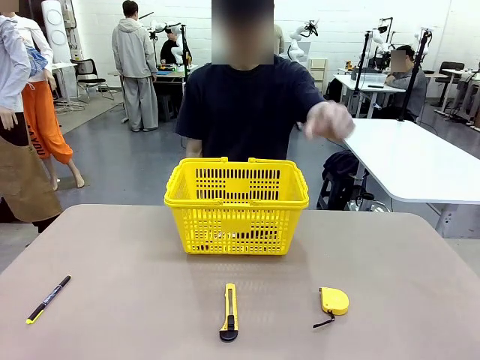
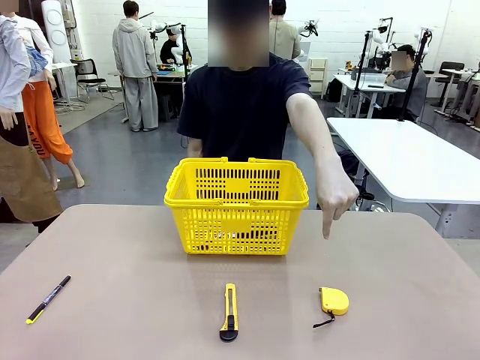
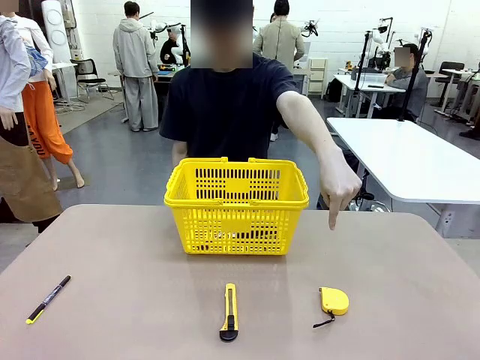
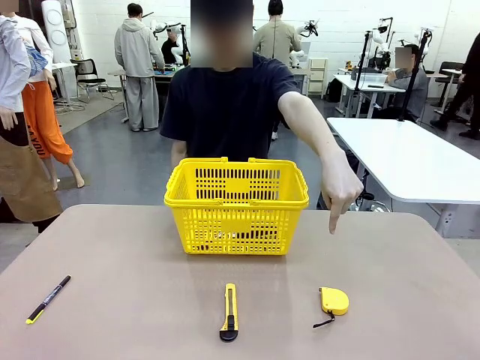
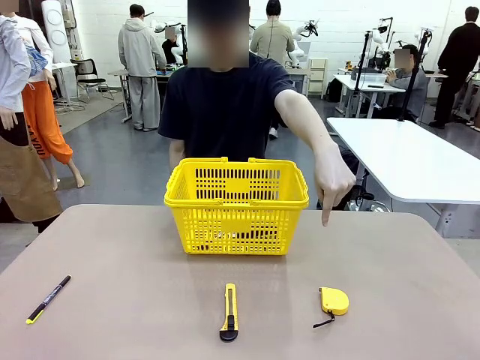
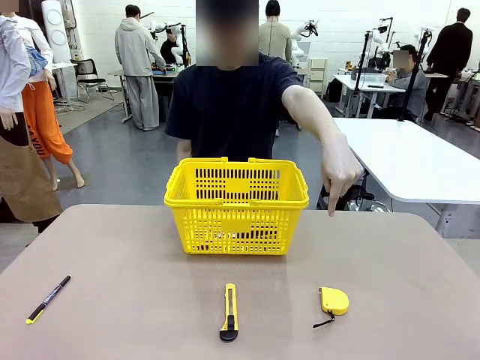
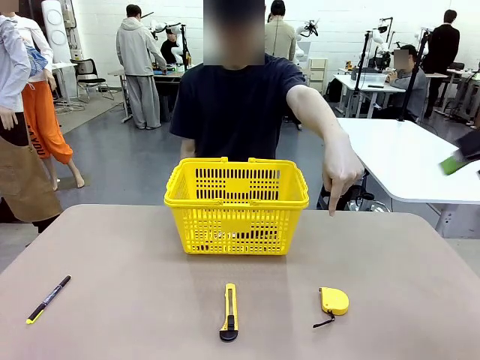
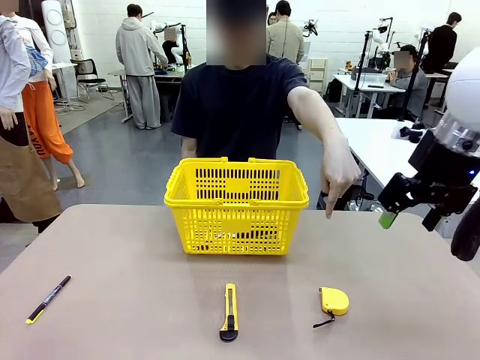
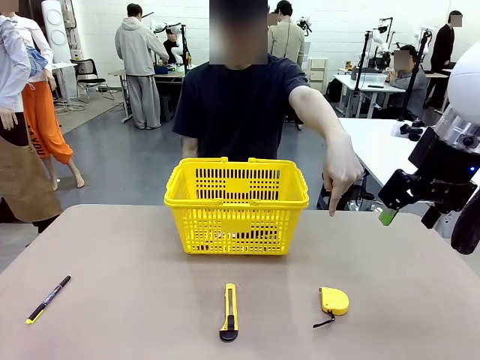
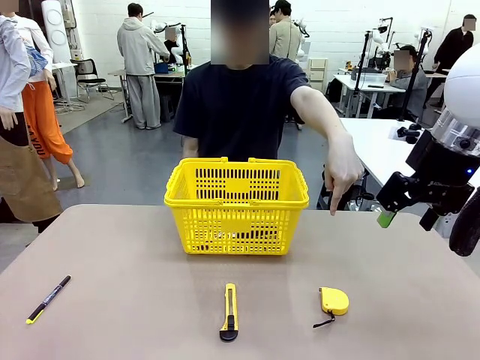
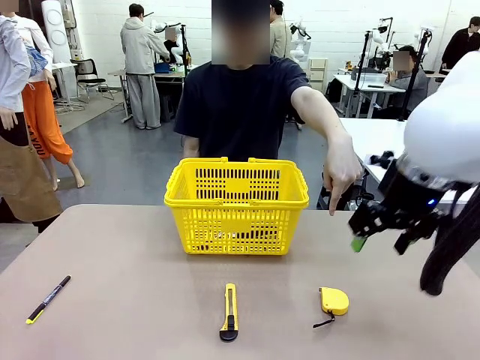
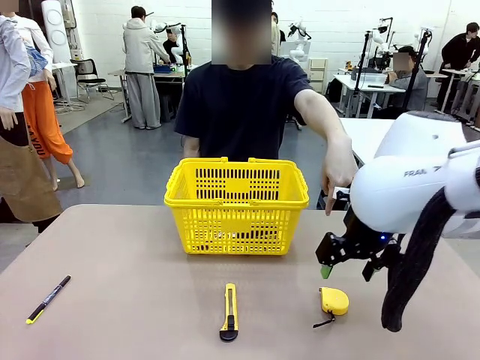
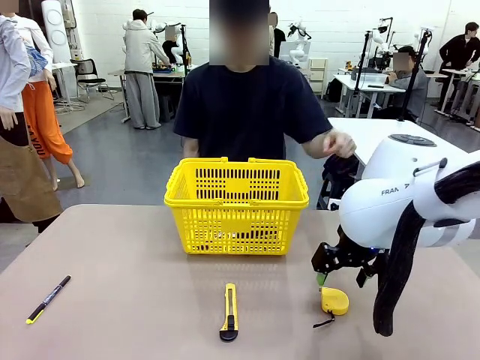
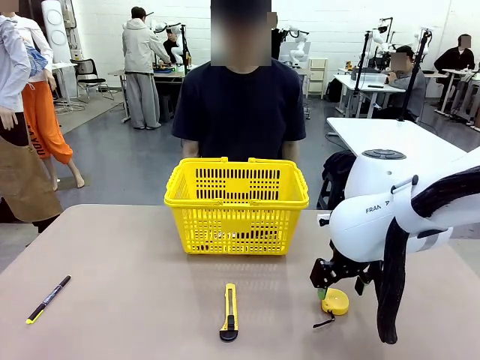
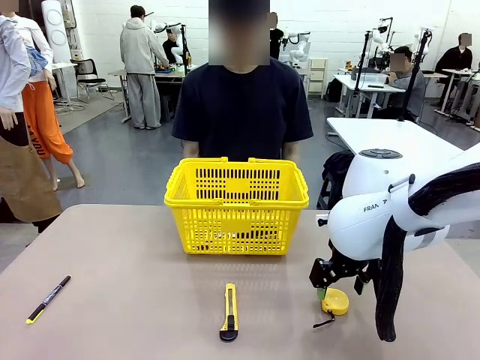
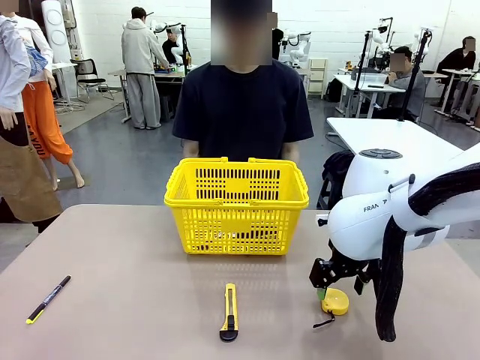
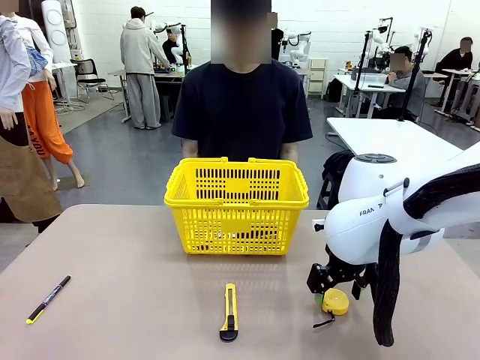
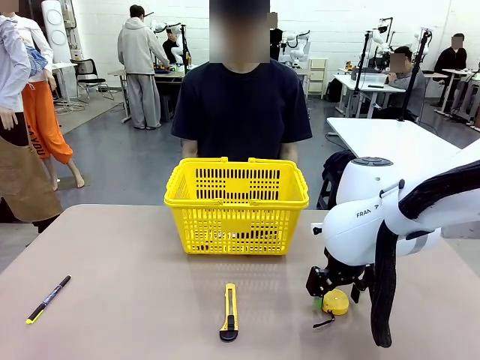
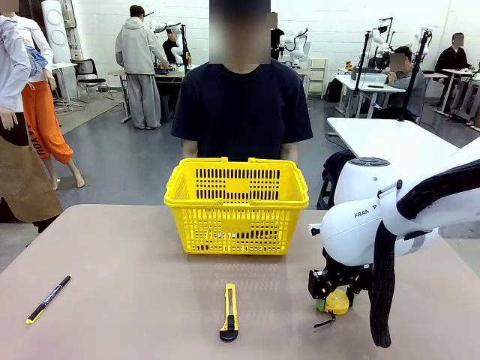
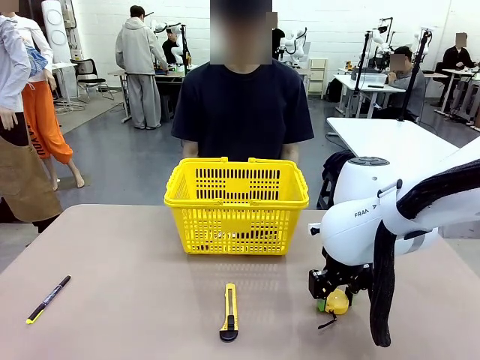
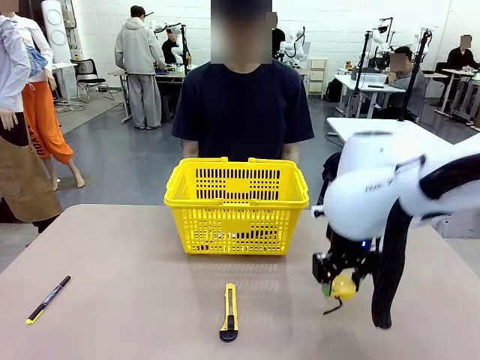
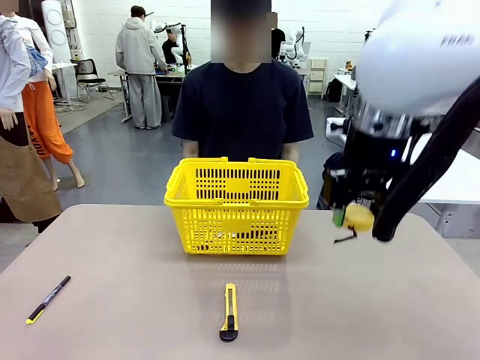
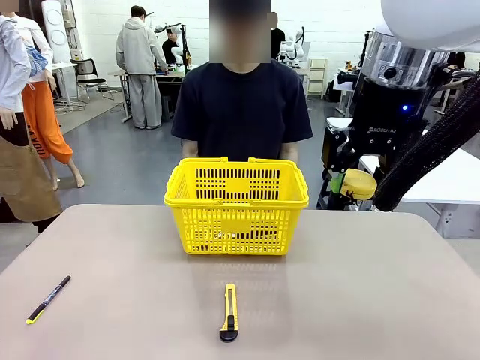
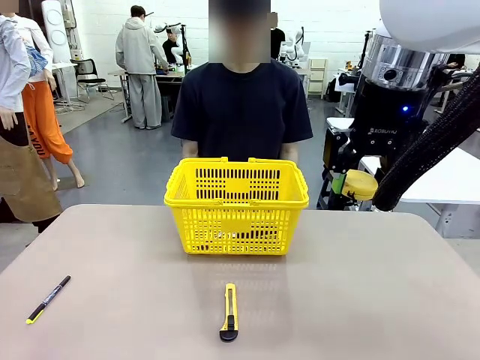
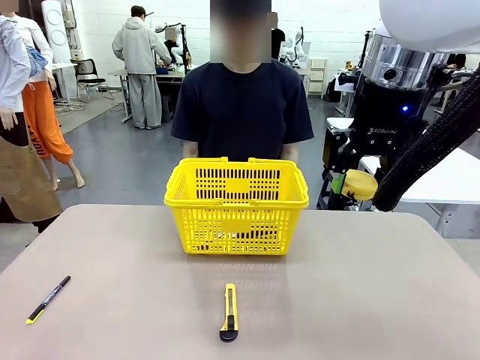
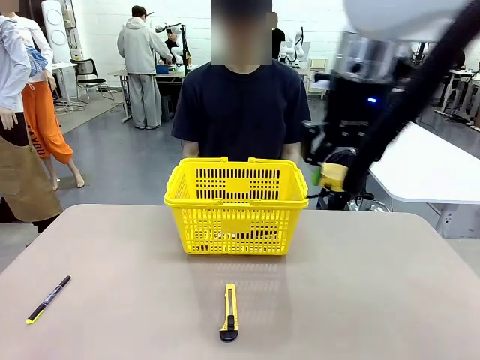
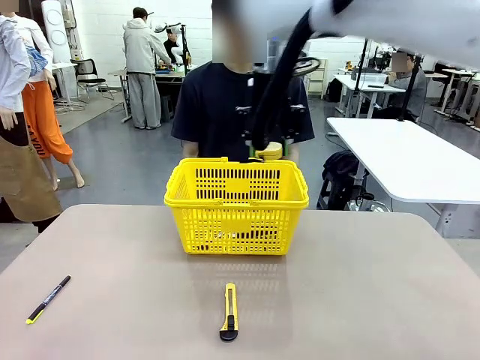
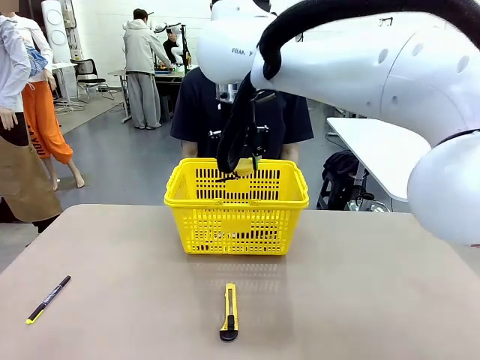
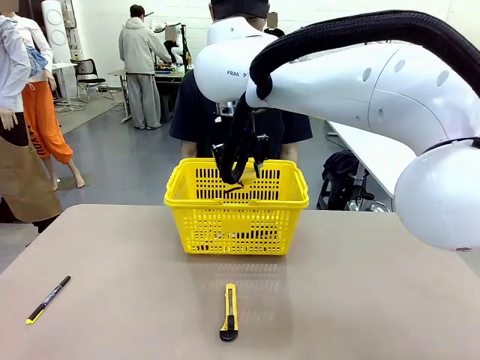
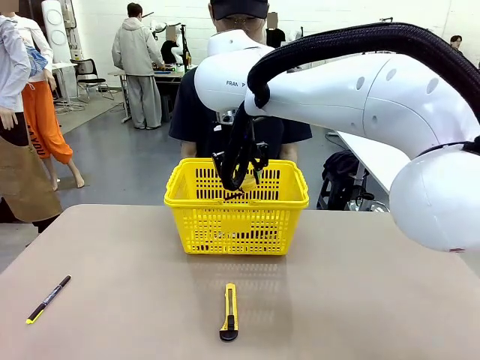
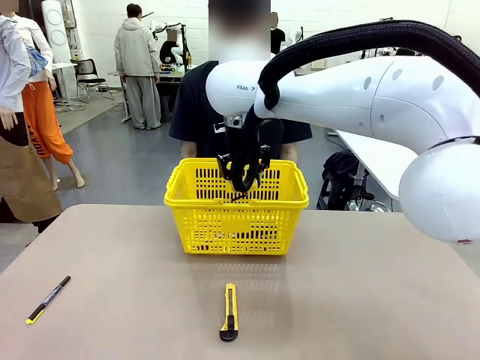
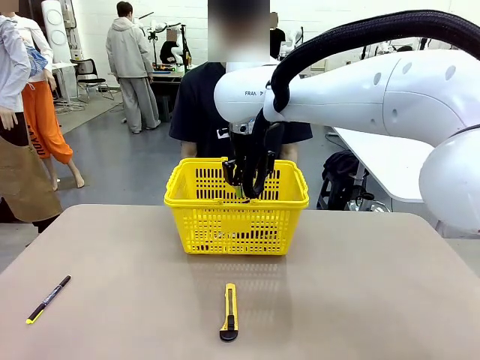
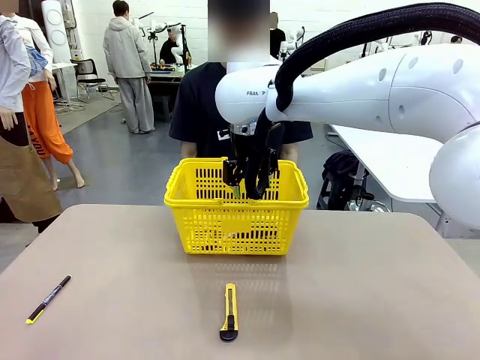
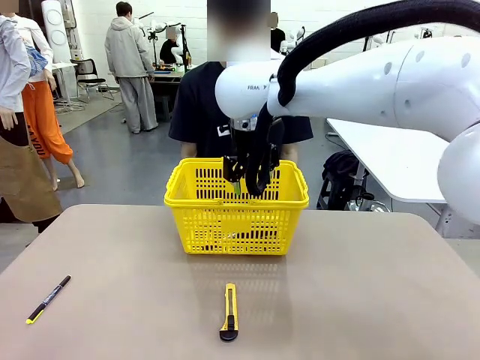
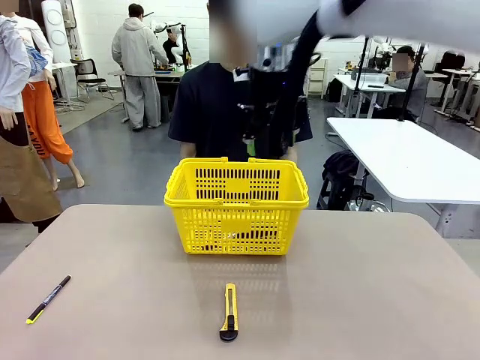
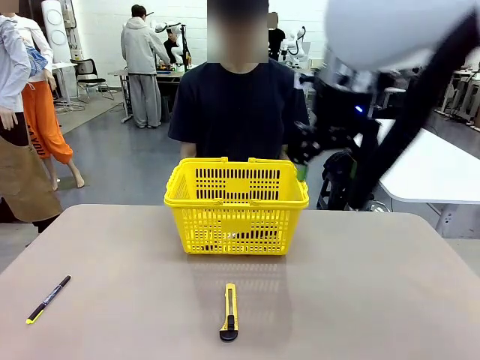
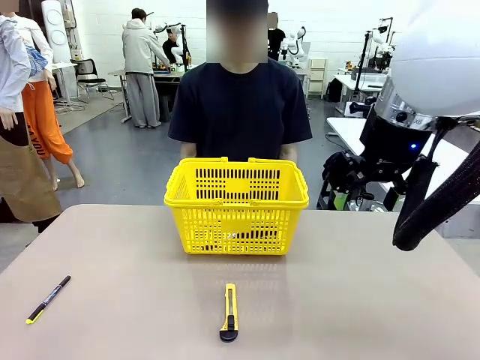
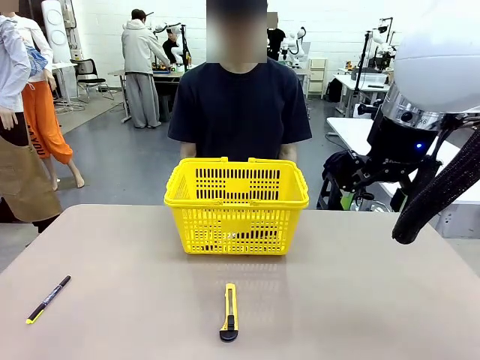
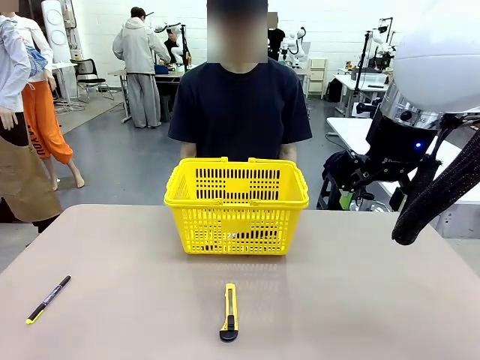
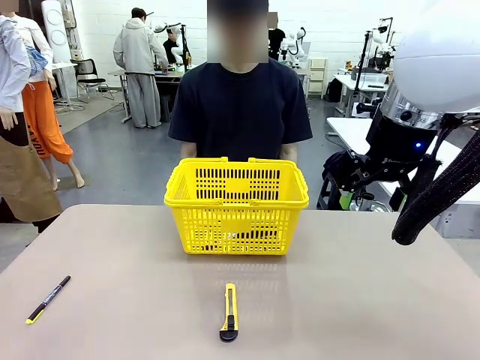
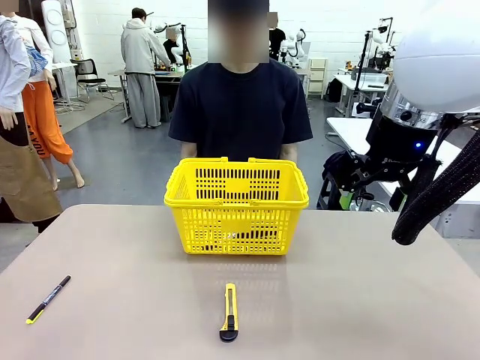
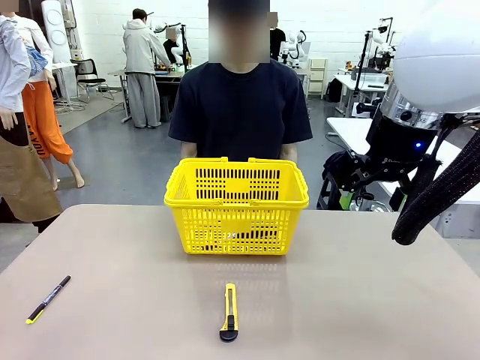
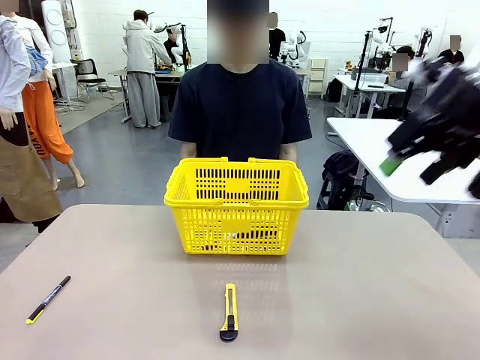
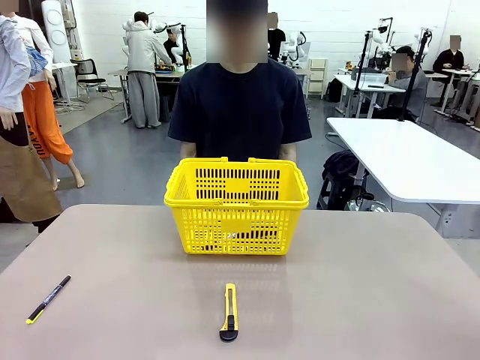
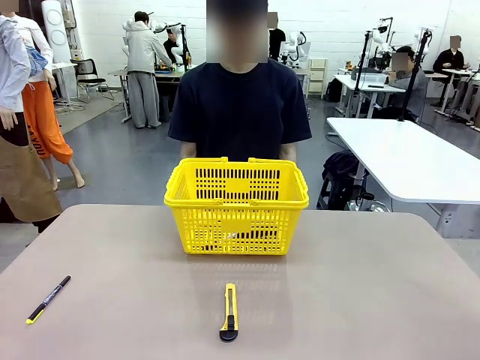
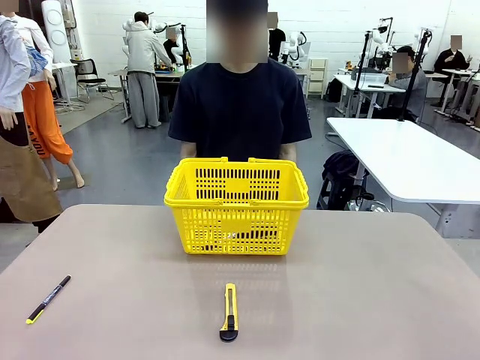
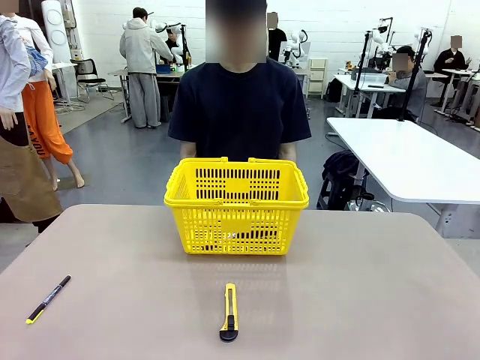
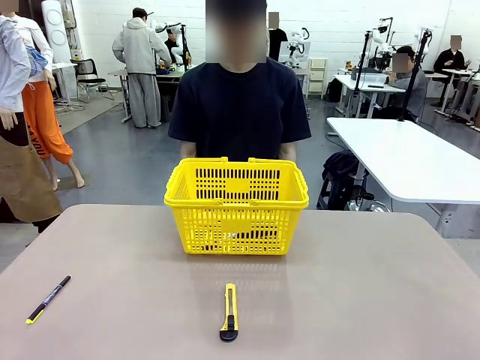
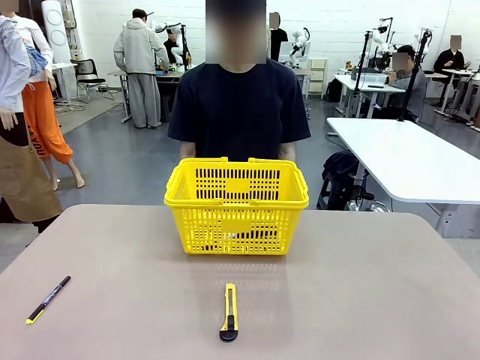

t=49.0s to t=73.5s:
Task: Place the items the person wants into the basket.
Robot: Pick up the item the person points to and place it in the Market Basket.
